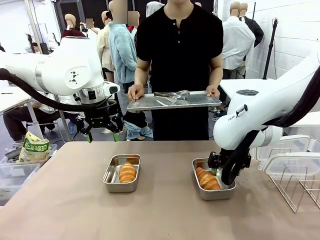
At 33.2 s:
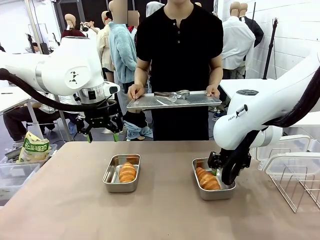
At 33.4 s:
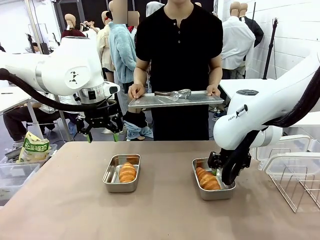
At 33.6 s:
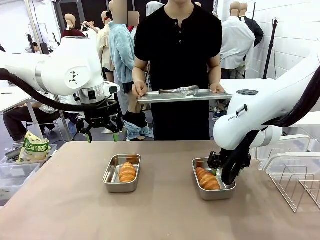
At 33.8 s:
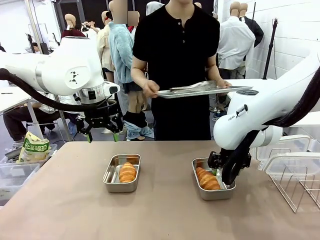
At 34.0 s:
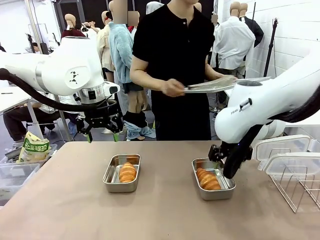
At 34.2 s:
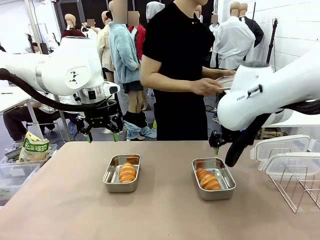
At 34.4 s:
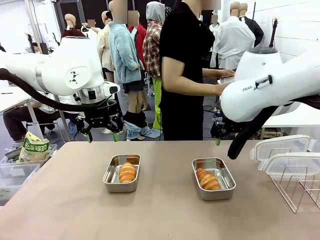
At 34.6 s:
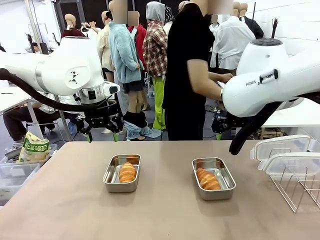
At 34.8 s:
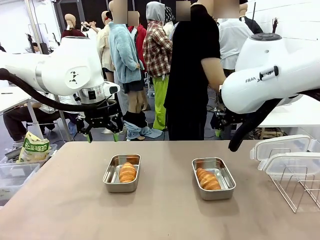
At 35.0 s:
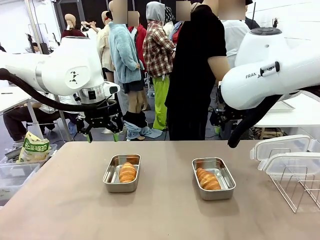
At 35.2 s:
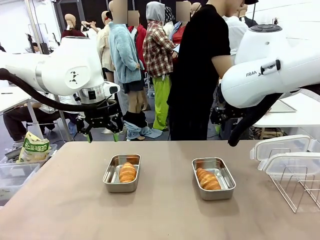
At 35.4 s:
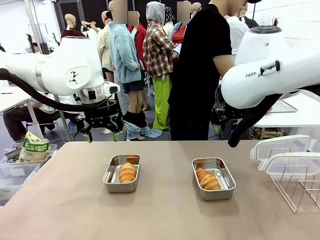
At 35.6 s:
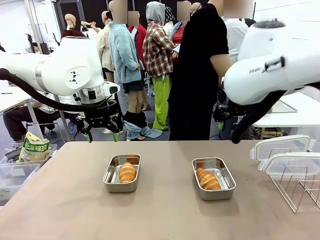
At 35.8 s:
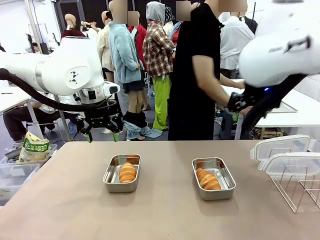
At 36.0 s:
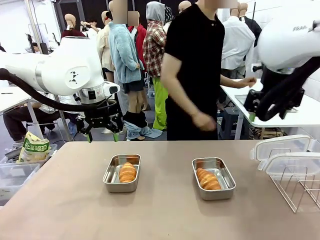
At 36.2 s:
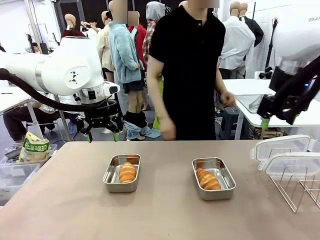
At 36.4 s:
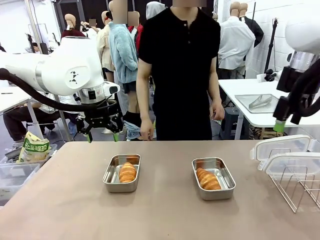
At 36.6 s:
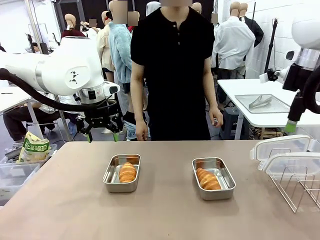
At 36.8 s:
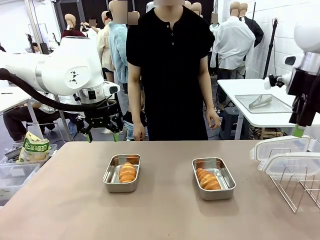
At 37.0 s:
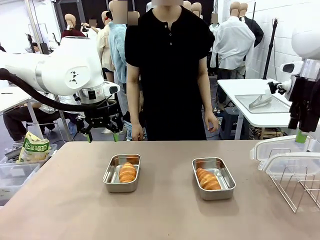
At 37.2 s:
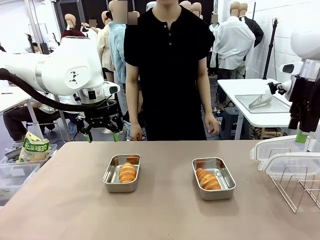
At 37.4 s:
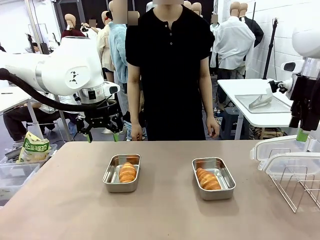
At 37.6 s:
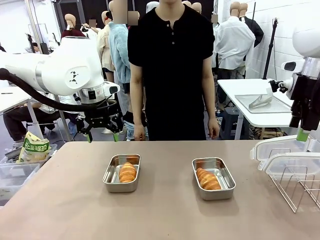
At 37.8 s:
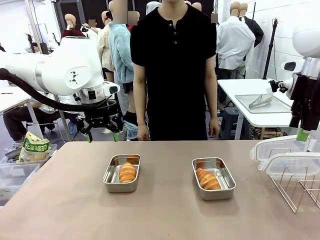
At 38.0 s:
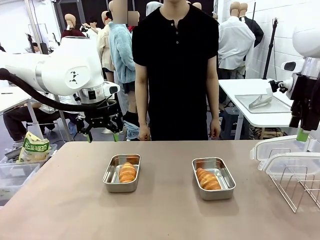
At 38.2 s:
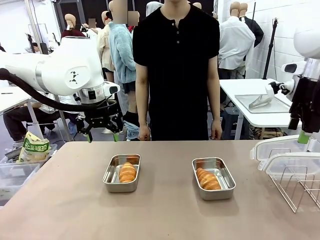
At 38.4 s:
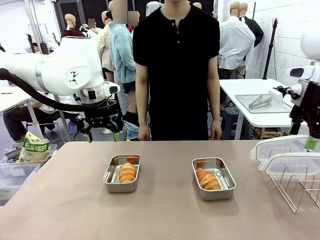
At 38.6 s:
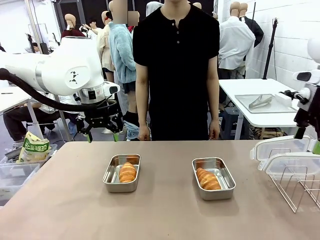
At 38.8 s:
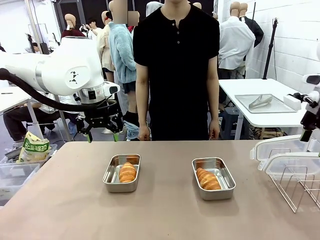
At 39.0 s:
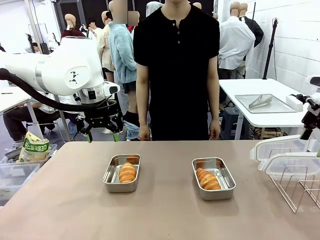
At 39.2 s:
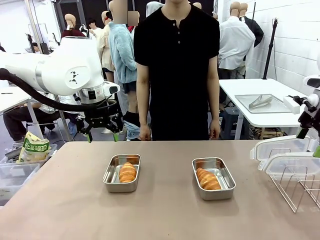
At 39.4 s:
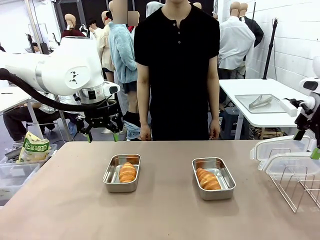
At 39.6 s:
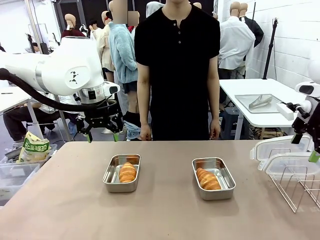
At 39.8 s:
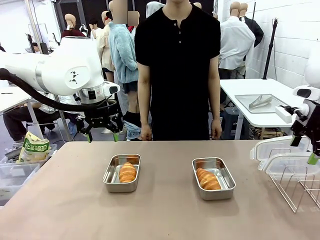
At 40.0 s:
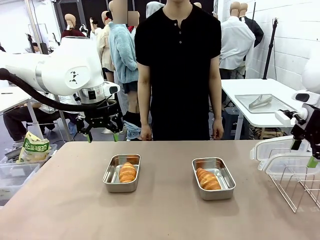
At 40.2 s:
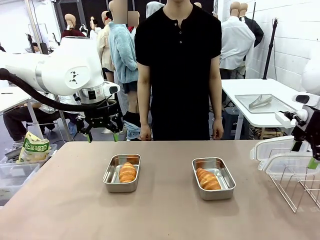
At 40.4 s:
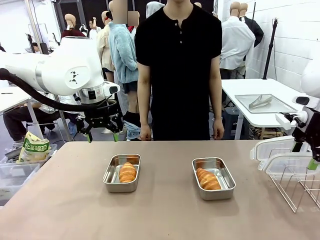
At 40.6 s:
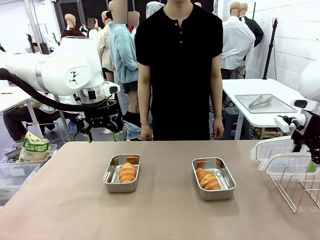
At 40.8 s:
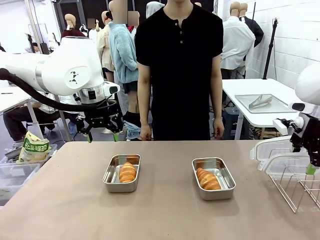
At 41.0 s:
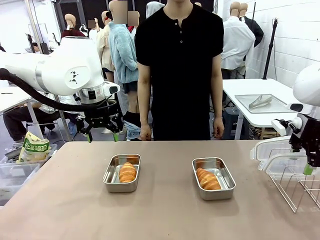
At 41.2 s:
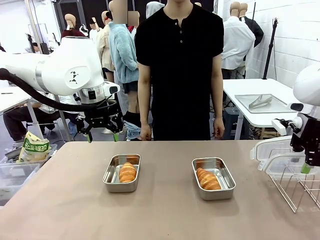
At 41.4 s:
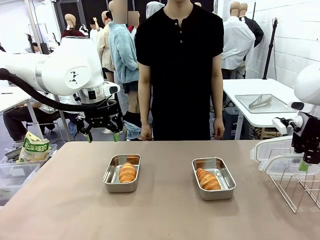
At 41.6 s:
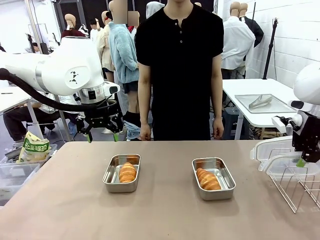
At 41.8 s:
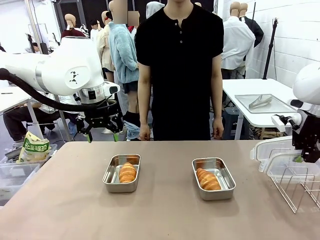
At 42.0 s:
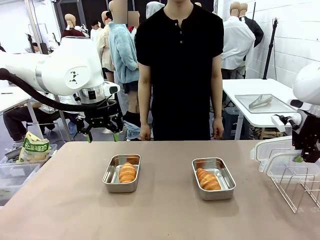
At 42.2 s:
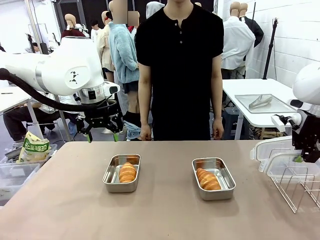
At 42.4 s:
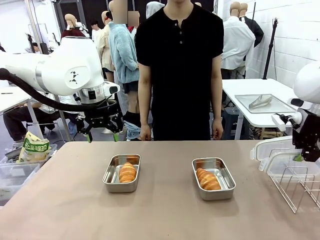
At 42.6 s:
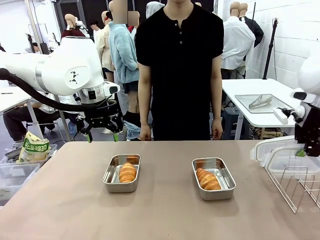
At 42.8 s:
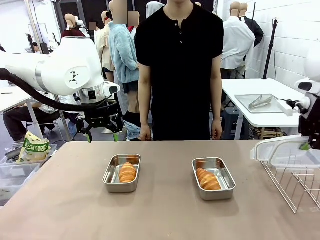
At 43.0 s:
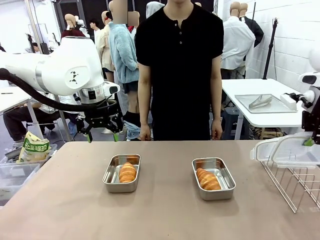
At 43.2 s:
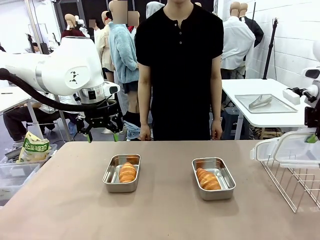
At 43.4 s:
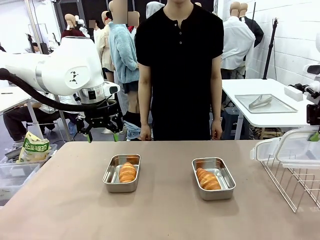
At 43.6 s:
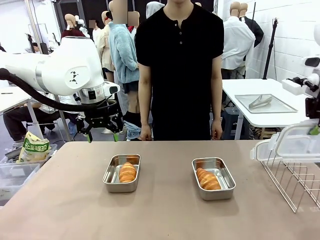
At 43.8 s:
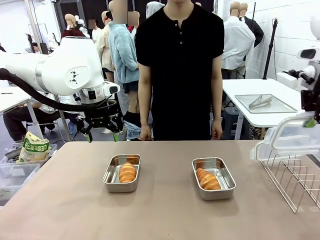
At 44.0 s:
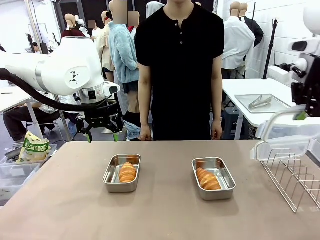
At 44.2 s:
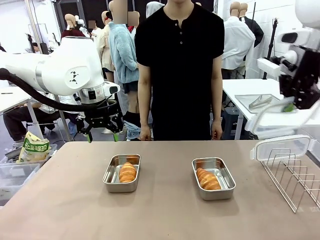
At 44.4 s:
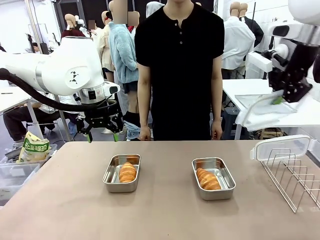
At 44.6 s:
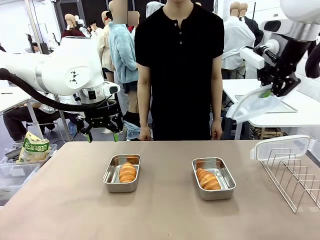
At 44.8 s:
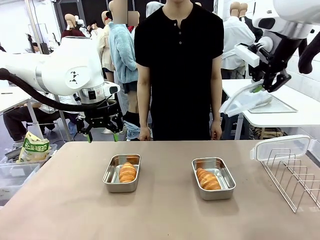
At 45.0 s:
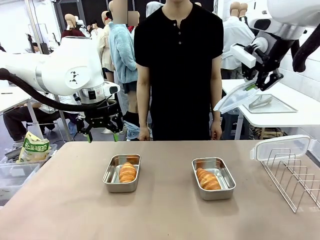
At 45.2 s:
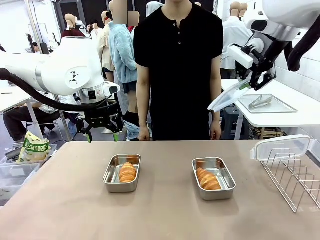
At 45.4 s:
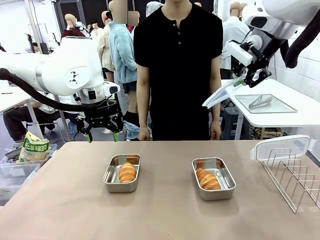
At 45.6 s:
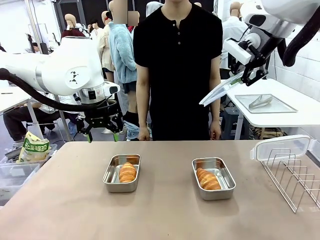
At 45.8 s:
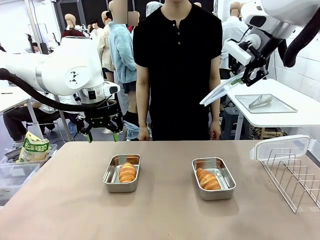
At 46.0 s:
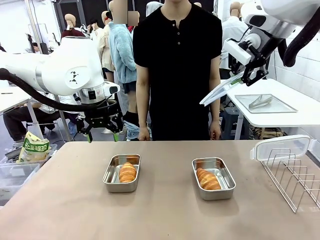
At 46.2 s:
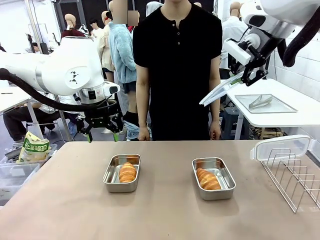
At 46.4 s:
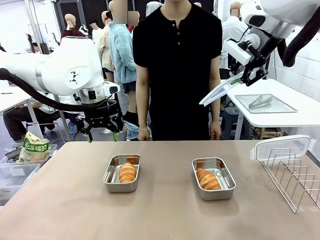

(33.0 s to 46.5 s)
Task: Place the bread in airtight containers.
Robot: Pick up one Airtight Container lid and hand it to the human.
Person: Grip Airtight Container lid that robot is handing.

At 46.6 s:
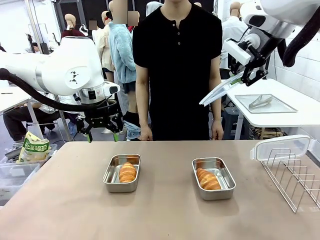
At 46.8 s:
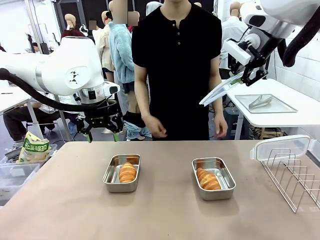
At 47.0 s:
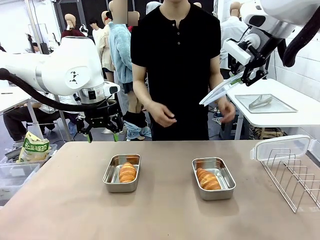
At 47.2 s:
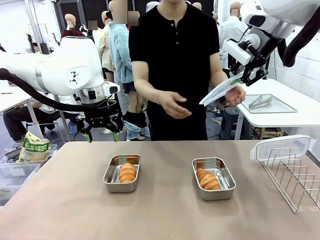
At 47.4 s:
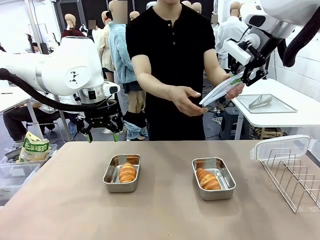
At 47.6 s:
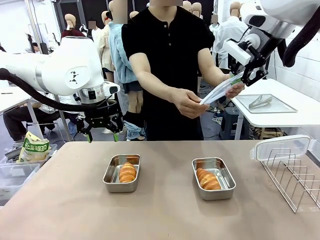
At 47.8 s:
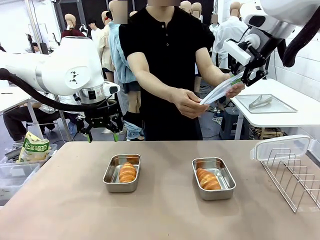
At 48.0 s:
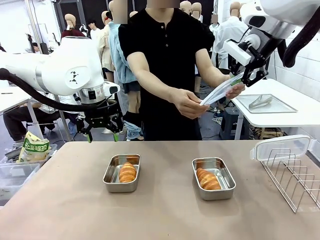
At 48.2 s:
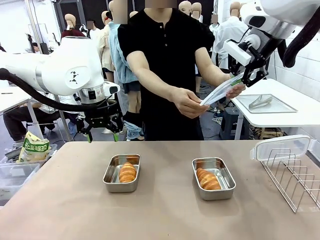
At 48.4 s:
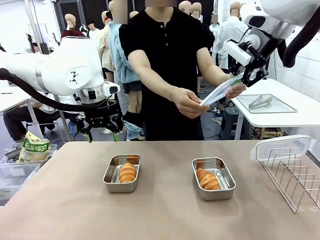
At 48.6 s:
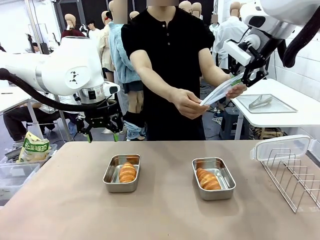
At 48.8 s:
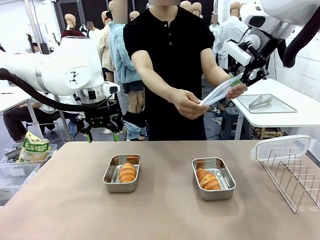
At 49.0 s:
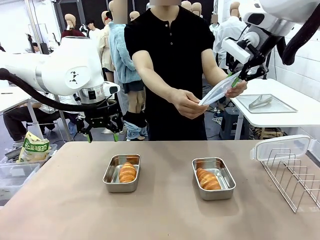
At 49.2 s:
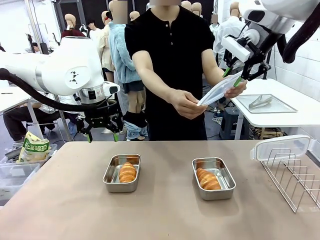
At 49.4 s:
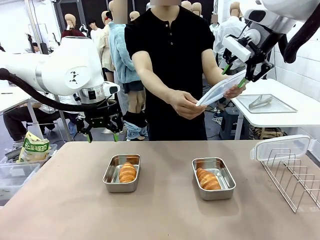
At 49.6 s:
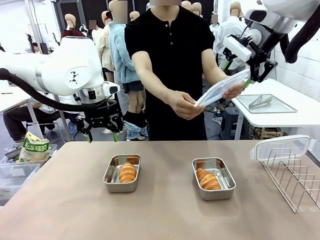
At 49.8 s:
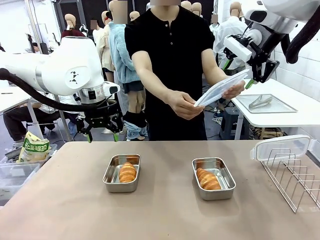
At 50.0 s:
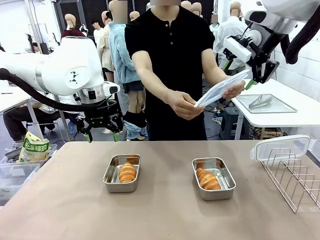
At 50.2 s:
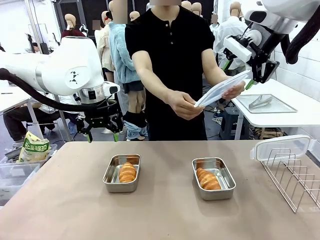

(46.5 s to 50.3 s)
Robot: Release when the human grabs the Airtight Container lid.
